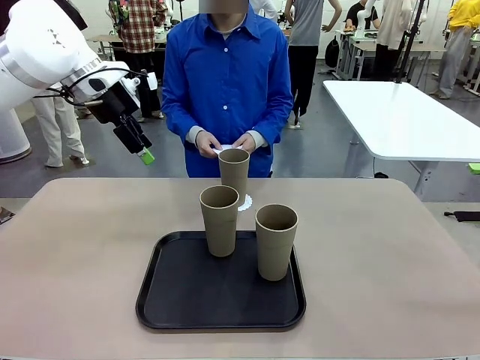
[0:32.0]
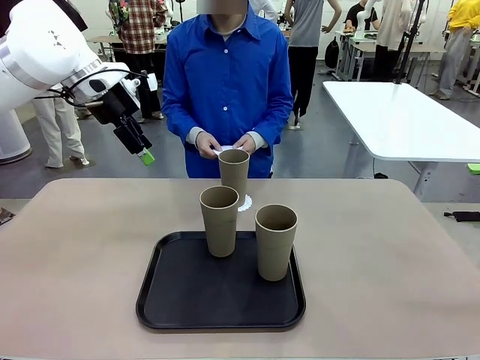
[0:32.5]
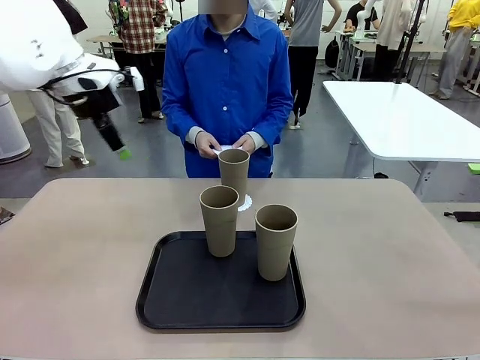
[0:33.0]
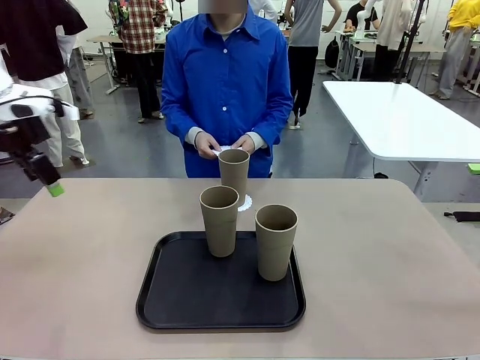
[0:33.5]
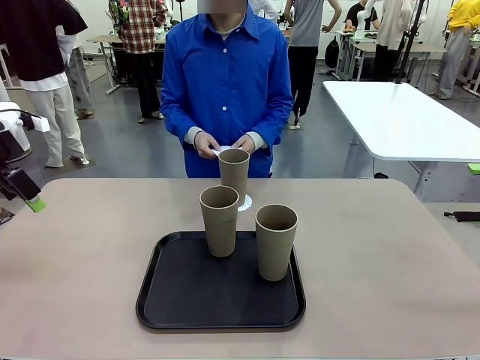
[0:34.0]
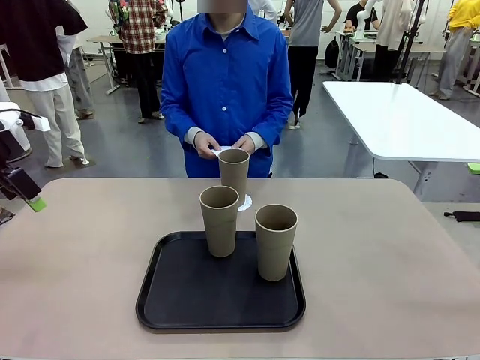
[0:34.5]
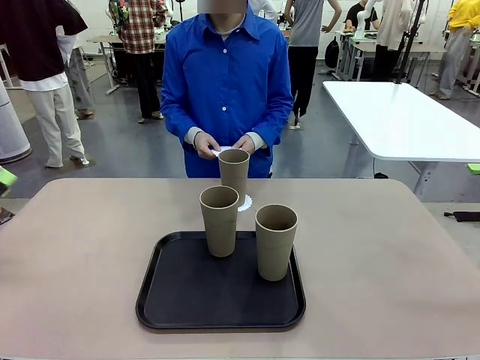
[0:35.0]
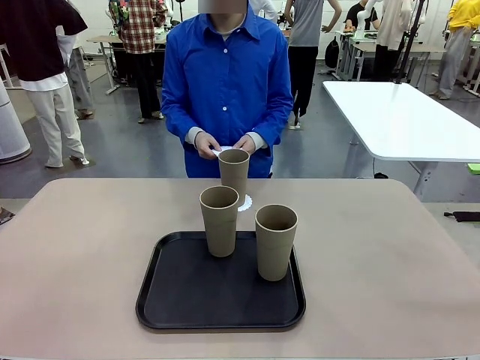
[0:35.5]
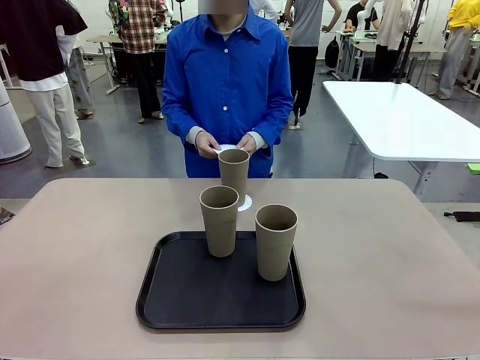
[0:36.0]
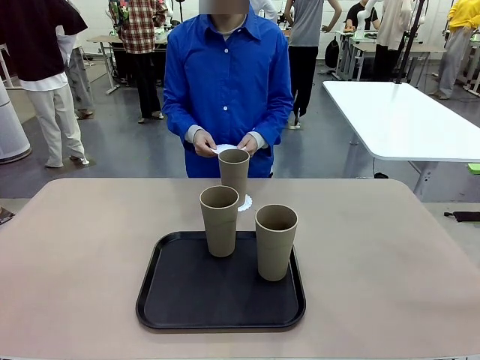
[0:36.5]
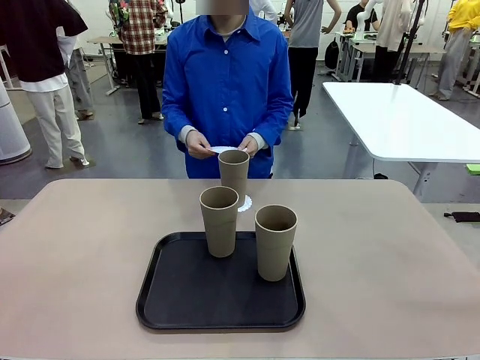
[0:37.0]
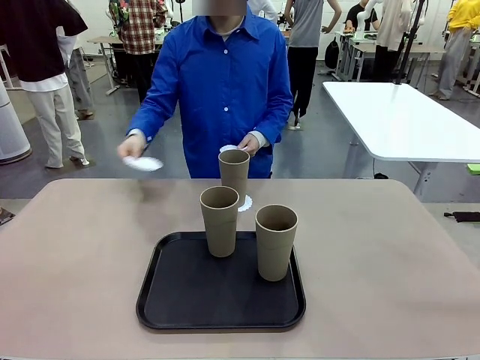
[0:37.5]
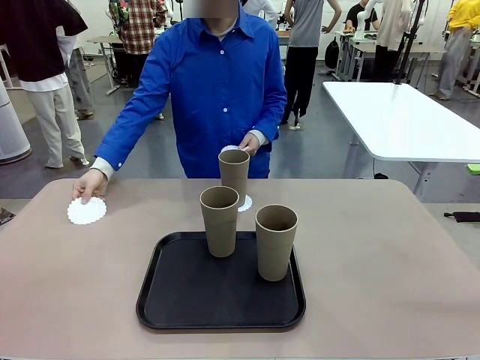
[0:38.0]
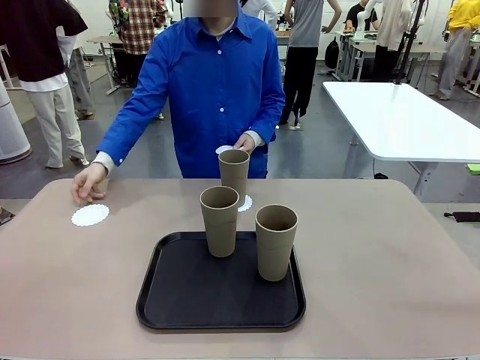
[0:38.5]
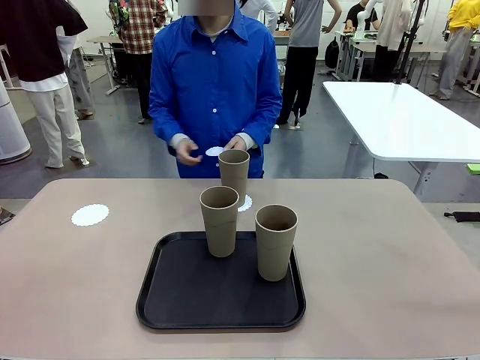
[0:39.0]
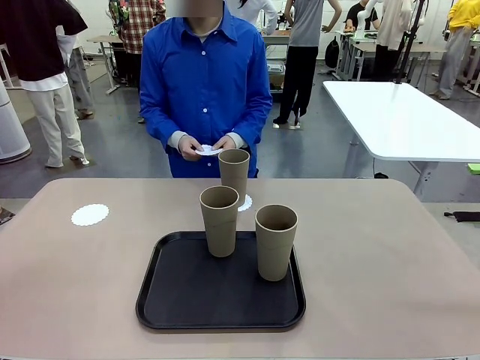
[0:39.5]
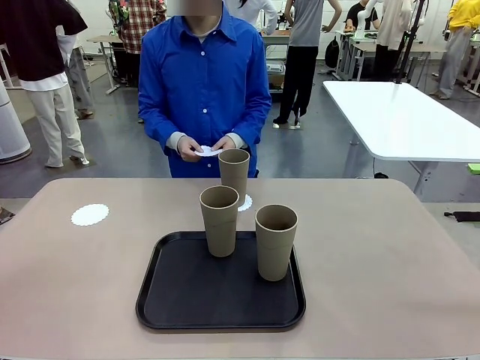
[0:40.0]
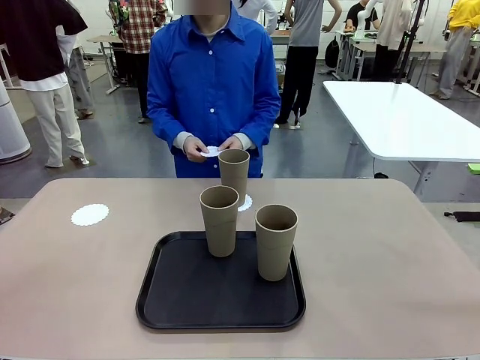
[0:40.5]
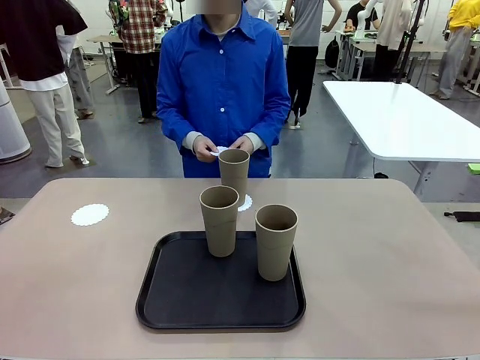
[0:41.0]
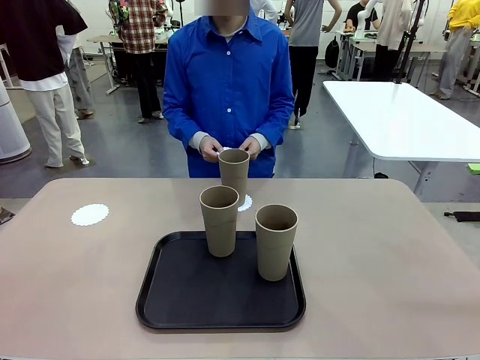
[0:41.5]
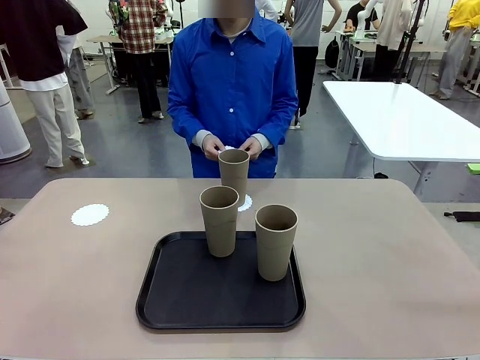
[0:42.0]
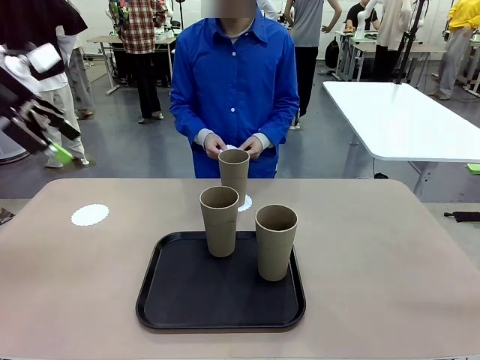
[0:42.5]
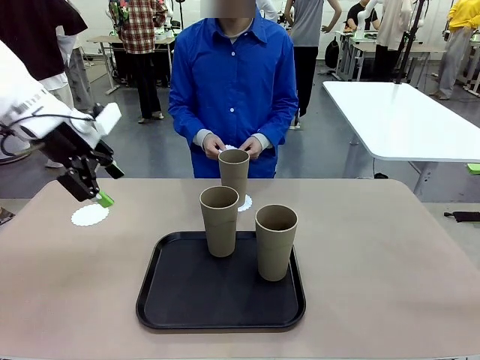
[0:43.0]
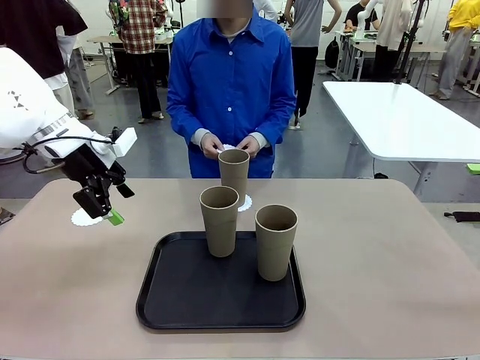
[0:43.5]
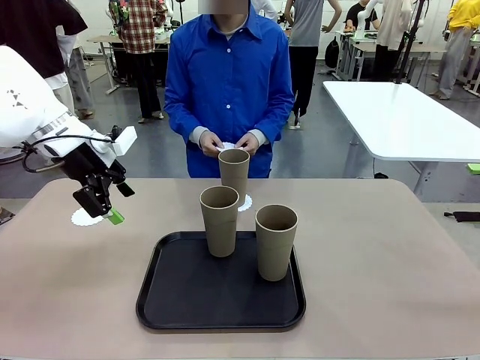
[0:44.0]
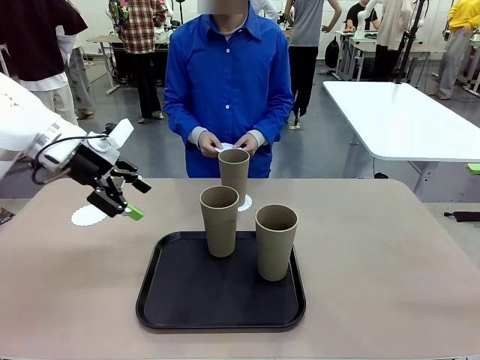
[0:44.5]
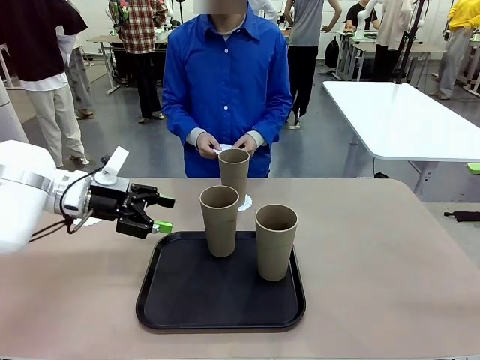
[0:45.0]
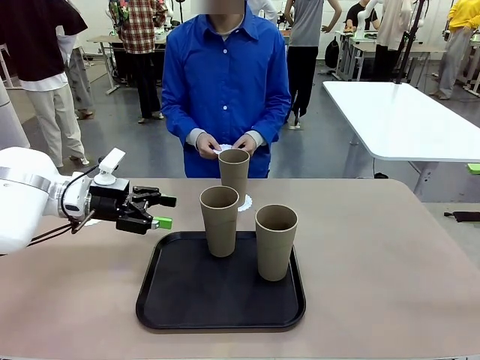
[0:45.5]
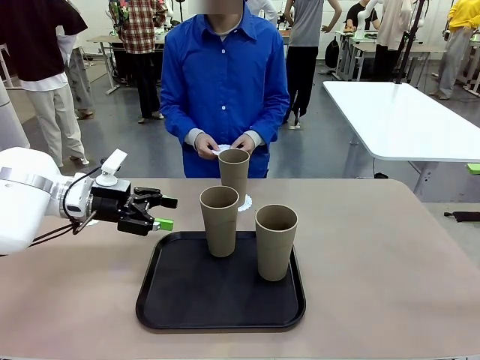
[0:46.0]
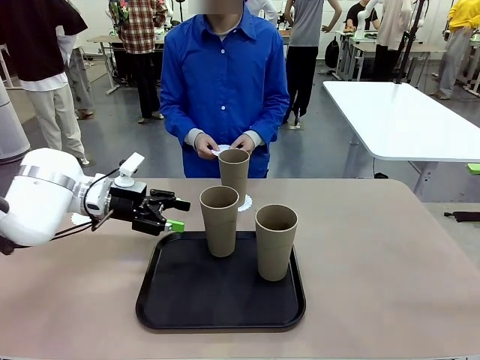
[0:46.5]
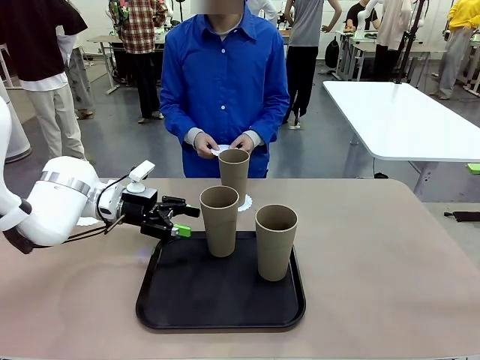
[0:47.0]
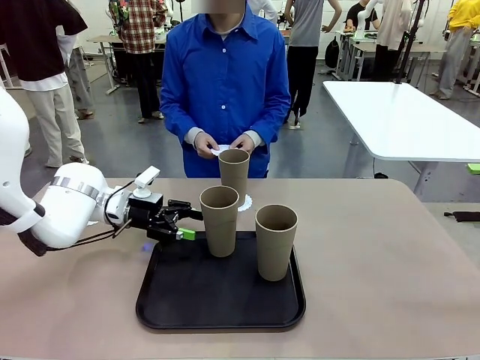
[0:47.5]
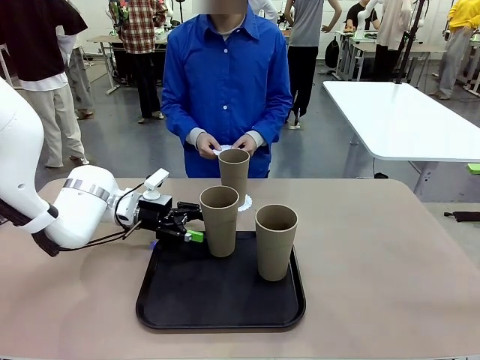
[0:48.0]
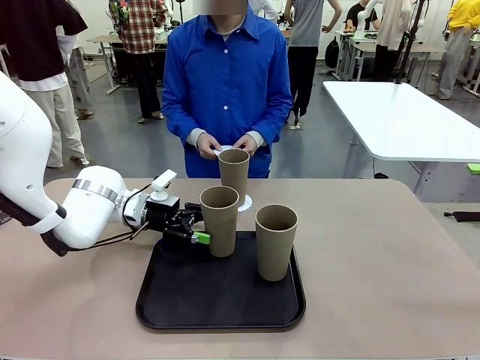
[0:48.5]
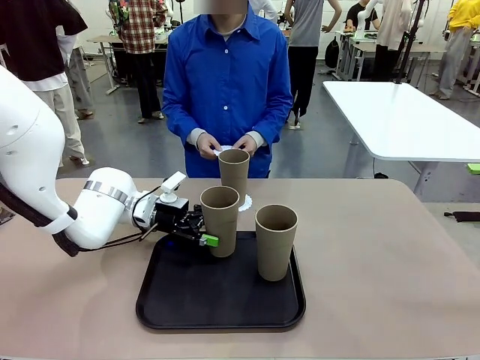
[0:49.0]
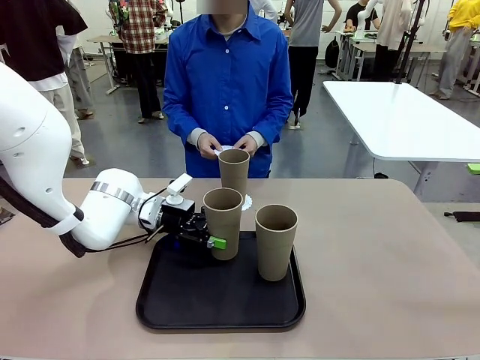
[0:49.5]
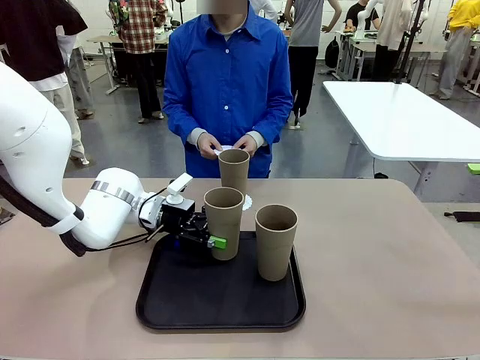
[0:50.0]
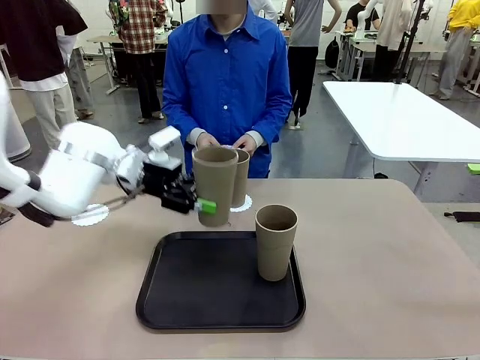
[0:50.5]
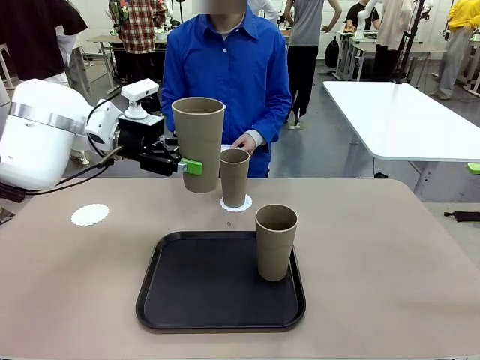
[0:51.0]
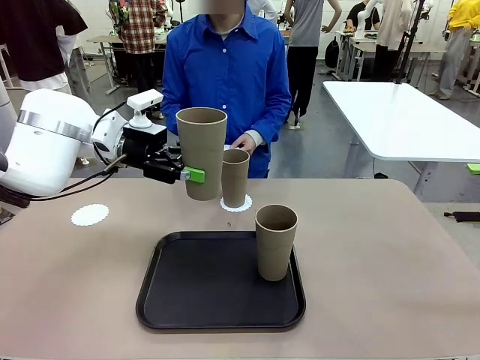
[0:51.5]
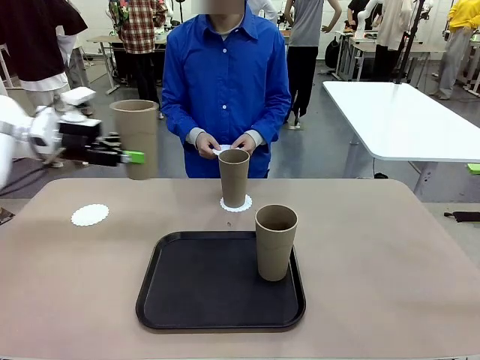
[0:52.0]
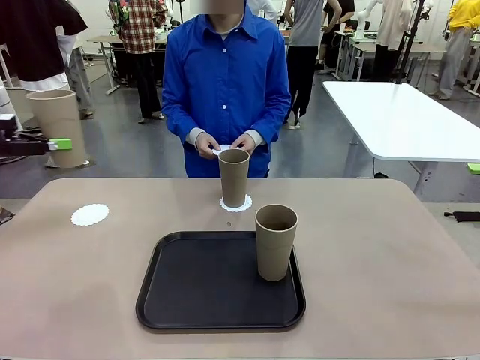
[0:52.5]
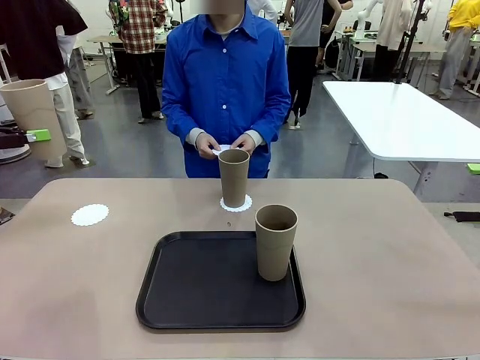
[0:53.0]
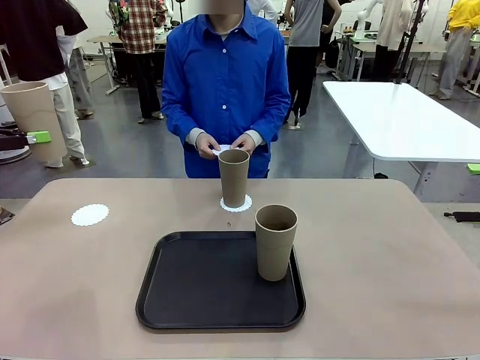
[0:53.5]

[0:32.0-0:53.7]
Task: Place coasters on the table and set cups on them.
Robot: Take one Reusable plastic cup from the Flat Tray and place it on a coaster set by the human.
